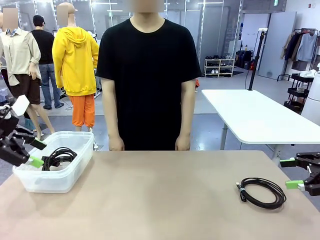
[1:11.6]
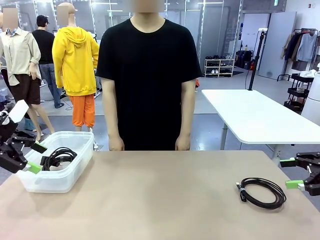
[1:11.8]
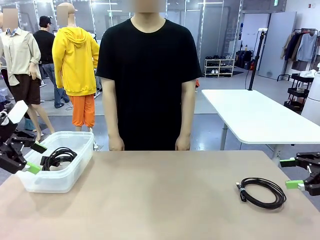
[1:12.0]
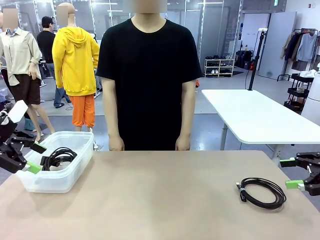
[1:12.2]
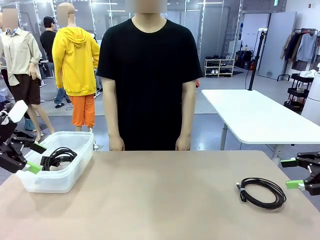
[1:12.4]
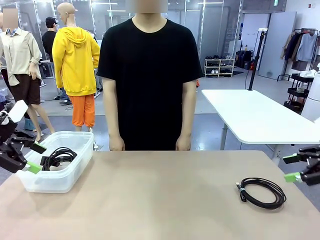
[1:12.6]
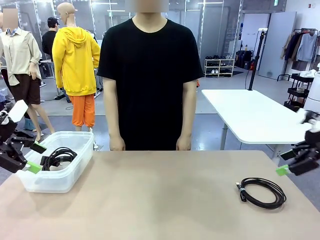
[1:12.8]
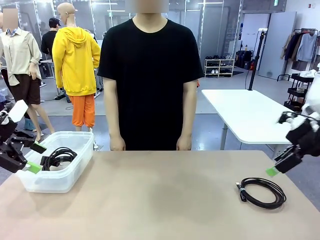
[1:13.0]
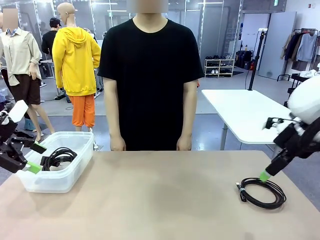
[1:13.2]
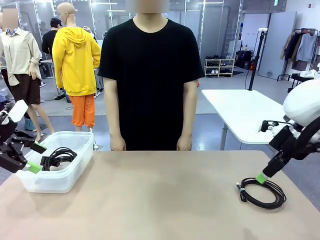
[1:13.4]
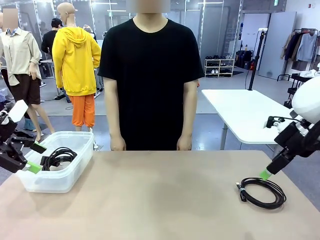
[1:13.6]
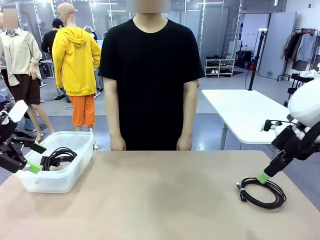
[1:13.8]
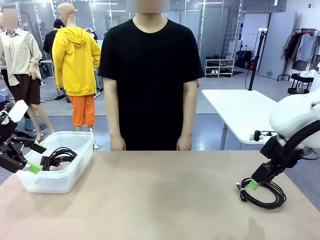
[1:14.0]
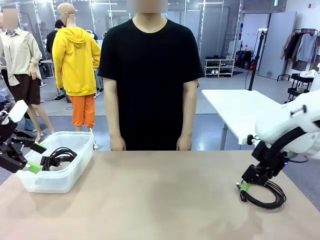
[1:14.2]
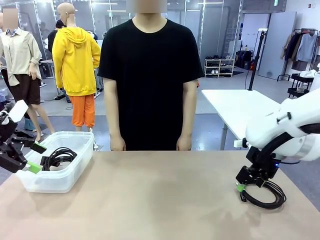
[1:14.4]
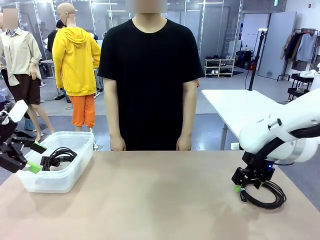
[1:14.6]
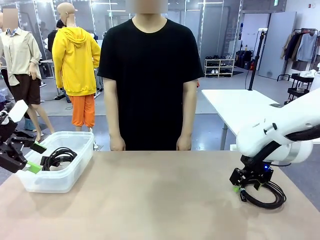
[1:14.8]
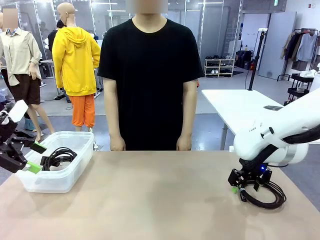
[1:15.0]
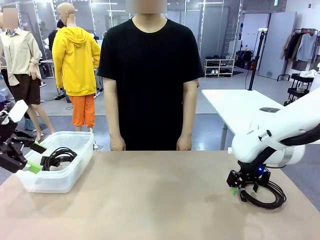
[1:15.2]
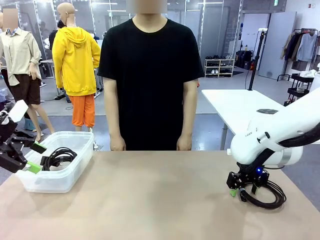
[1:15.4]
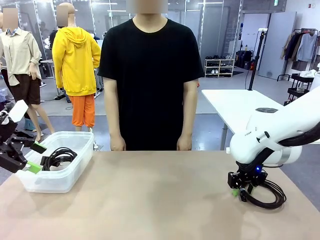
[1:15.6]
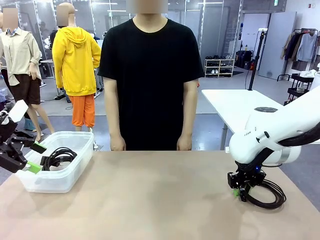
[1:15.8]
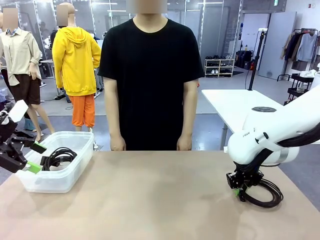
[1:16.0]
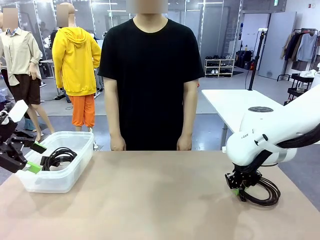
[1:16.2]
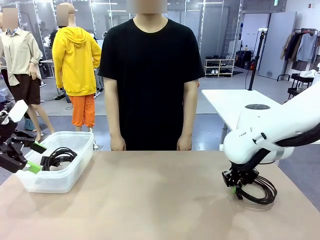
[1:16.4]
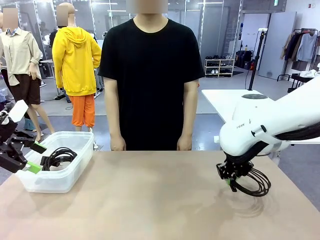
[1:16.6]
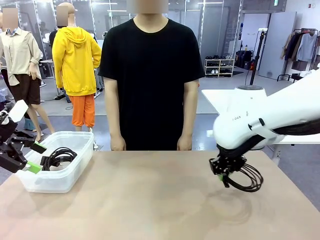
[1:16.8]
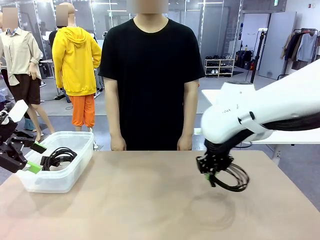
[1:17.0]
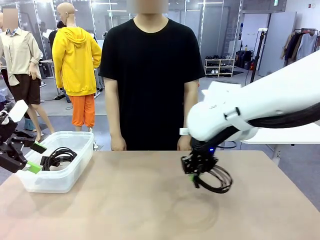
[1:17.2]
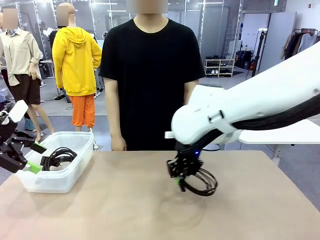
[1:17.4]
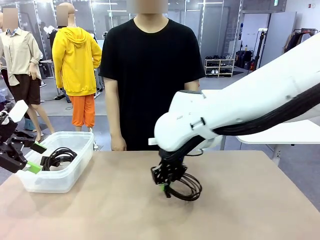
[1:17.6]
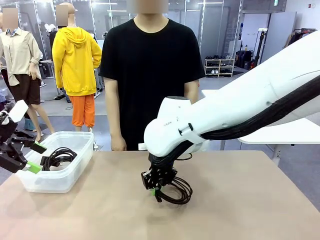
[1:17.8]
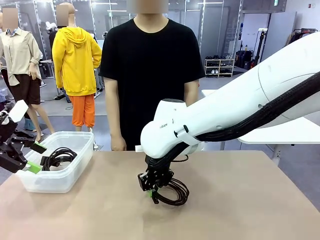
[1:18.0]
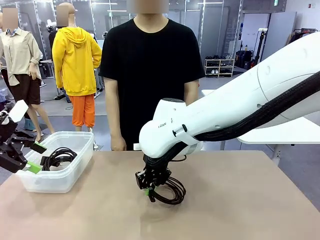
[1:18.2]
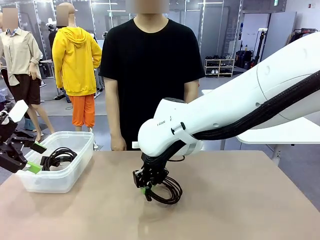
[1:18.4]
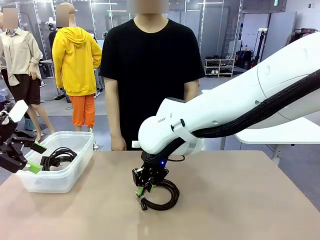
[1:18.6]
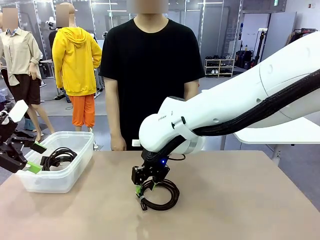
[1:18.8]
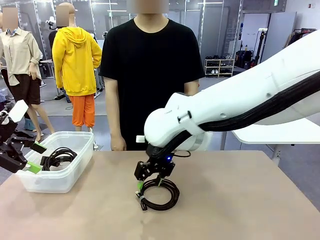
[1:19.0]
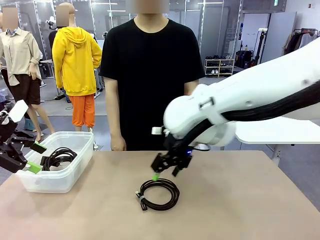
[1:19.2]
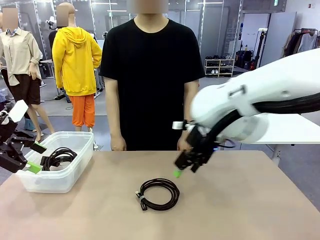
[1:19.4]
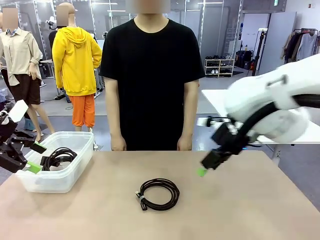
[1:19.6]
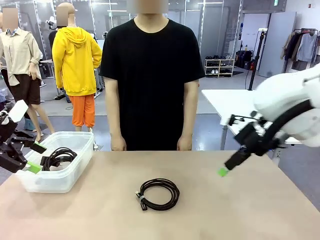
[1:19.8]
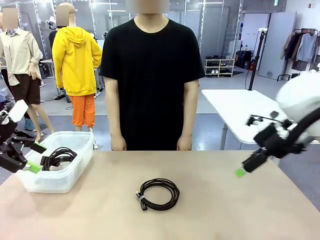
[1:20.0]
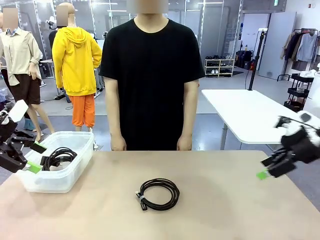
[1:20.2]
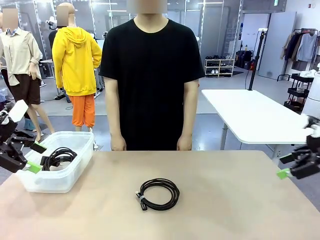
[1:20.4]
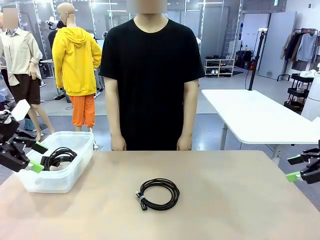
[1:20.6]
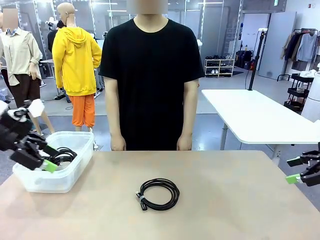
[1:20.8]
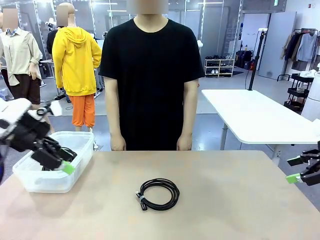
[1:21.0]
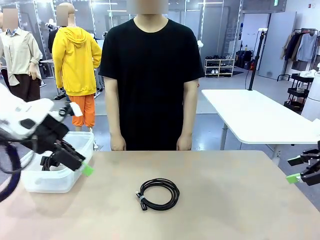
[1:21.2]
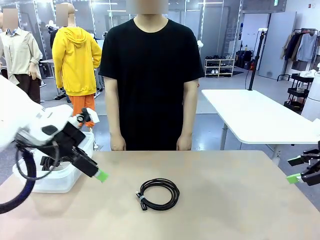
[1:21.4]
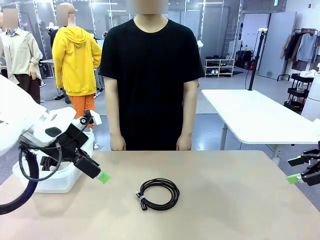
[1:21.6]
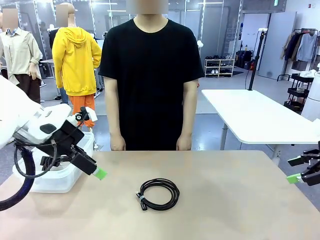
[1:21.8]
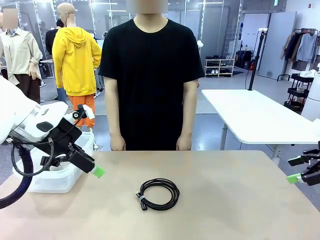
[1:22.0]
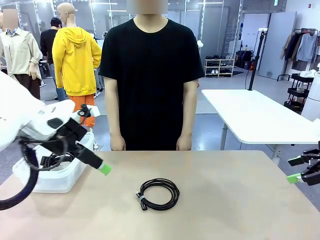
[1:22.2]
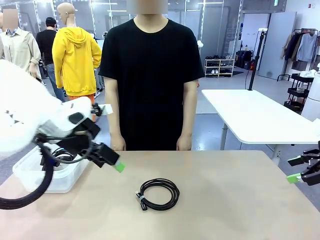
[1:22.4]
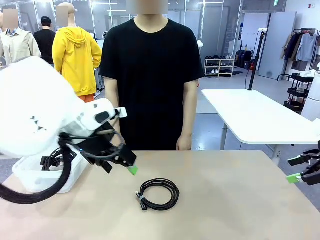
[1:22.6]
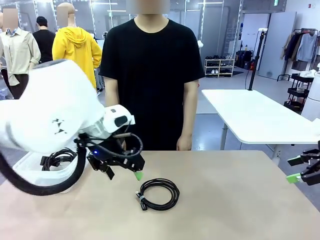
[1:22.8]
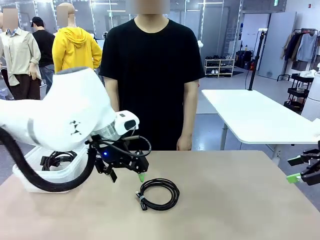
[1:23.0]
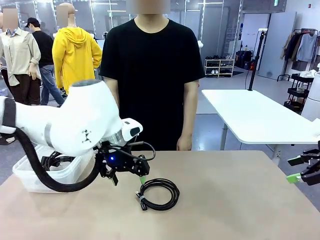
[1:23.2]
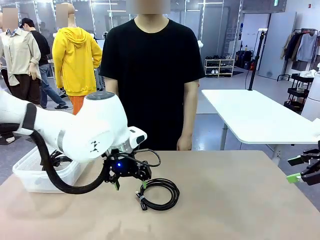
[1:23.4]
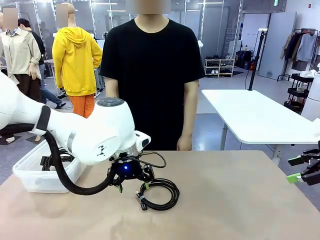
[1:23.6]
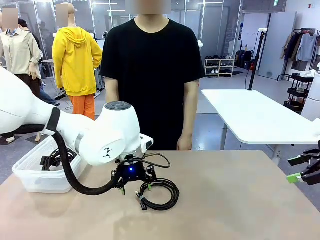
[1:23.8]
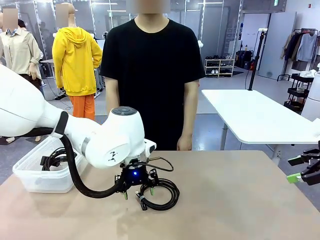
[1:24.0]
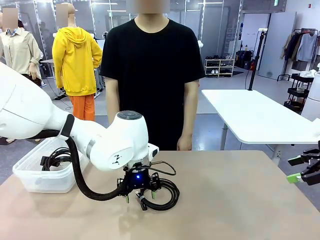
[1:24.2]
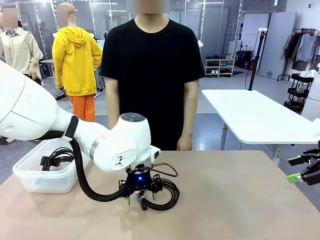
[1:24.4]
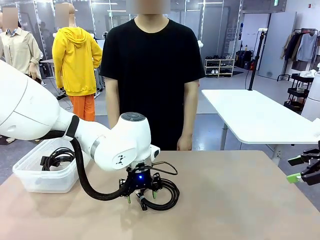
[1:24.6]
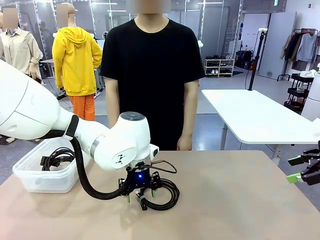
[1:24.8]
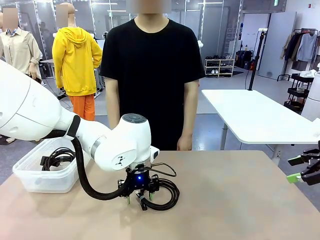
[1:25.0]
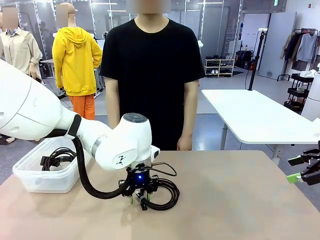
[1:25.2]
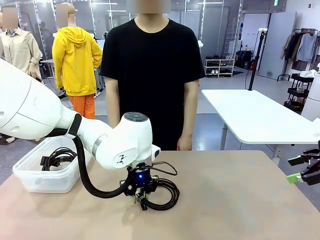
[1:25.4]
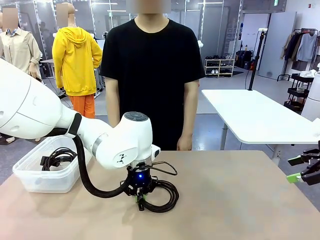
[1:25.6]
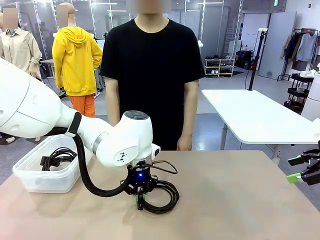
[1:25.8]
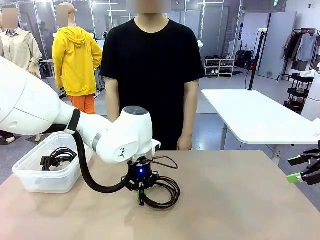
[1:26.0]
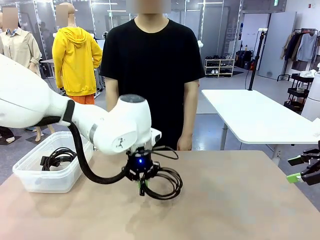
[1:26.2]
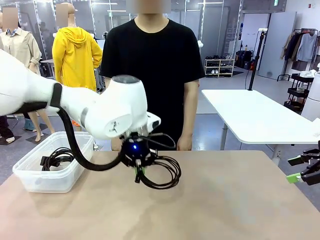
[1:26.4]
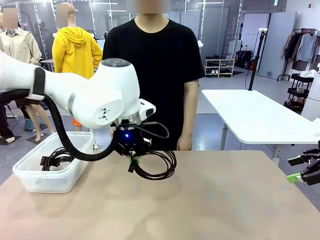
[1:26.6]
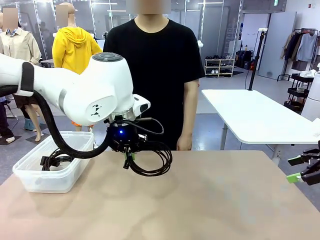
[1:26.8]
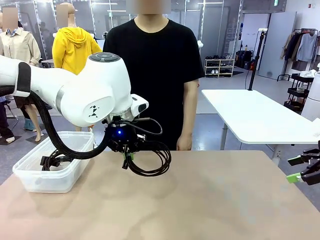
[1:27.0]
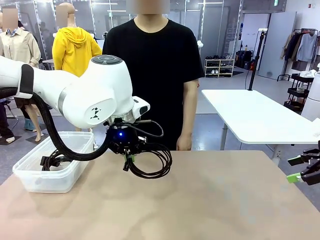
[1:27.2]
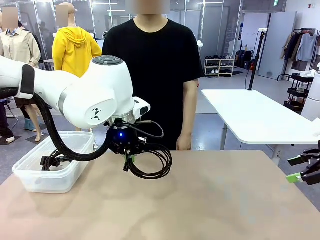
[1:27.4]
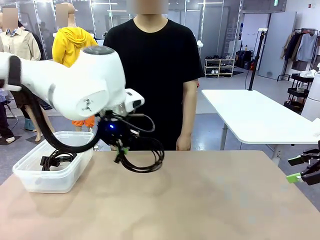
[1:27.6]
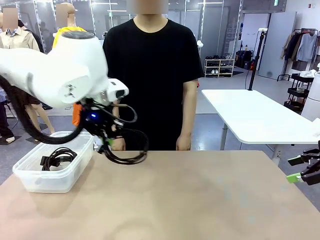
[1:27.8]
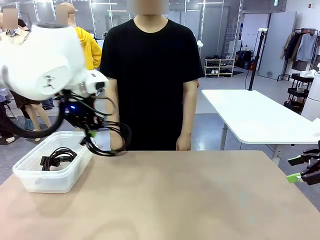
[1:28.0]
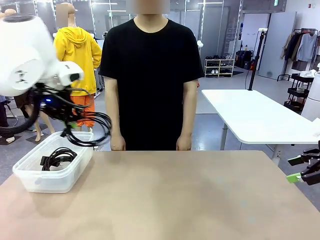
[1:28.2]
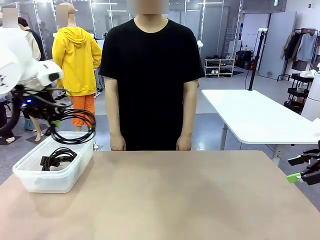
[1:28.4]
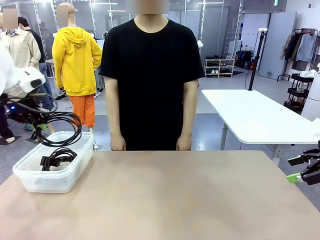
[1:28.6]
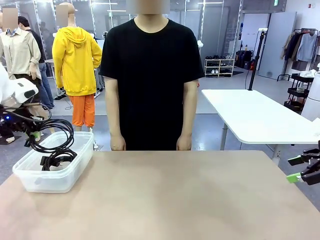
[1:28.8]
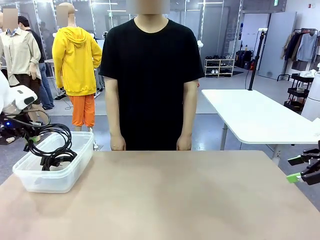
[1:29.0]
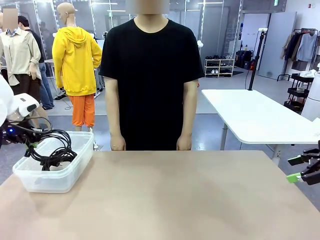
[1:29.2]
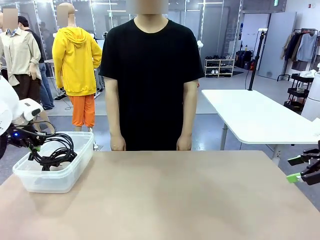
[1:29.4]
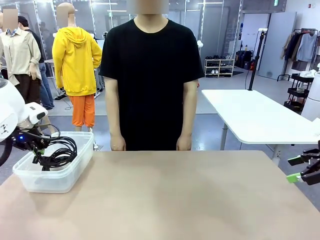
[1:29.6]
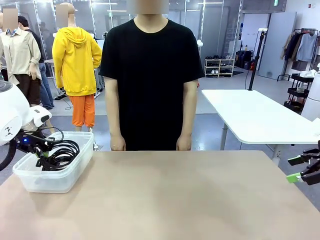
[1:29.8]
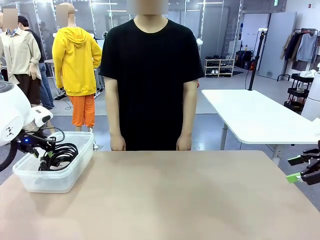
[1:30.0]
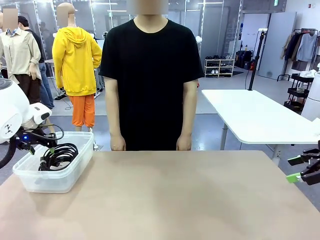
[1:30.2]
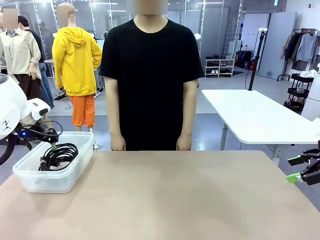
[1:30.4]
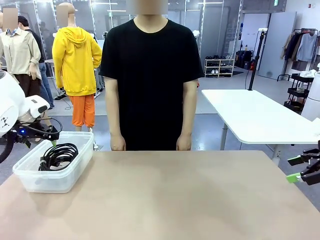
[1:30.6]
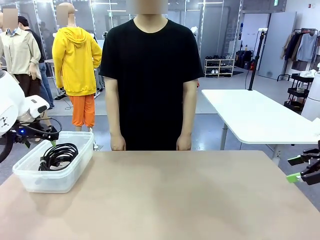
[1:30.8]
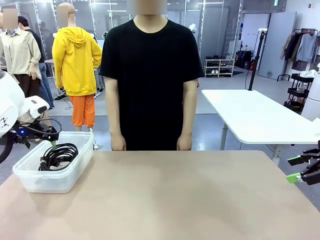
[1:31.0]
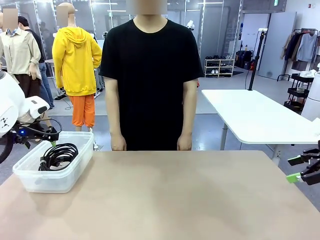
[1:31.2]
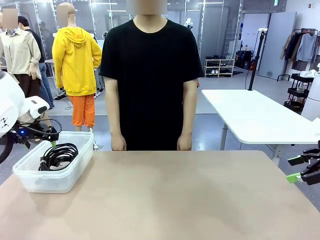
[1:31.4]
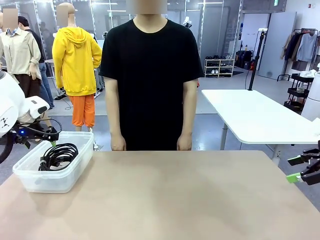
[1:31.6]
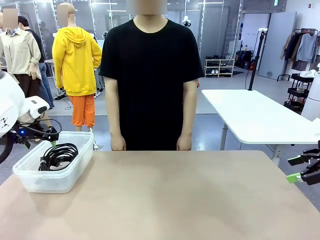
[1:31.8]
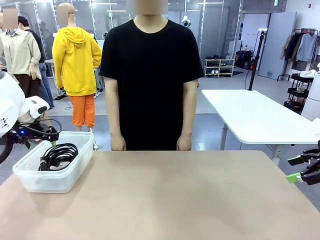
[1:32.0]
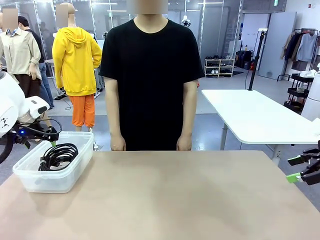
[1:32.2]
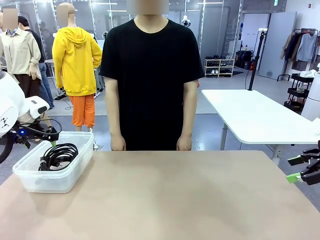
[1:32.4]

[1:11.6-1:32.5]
Task: Organize and store the cables.
Robot: Place the USB Extension Cable into the Organizing box.
